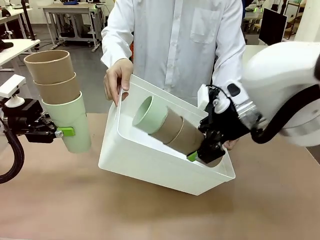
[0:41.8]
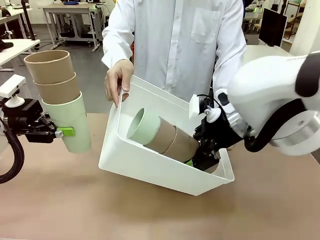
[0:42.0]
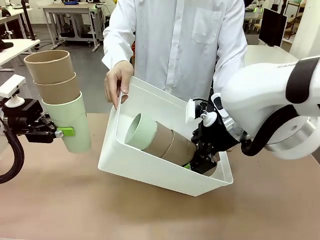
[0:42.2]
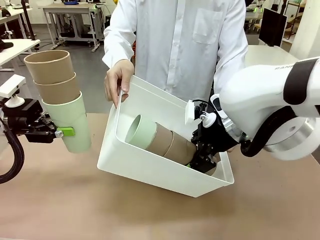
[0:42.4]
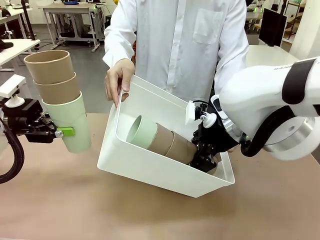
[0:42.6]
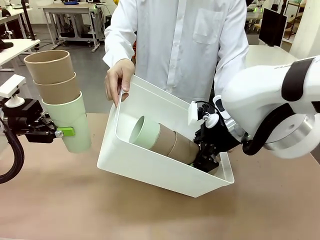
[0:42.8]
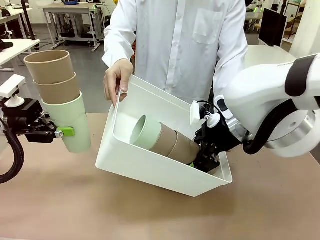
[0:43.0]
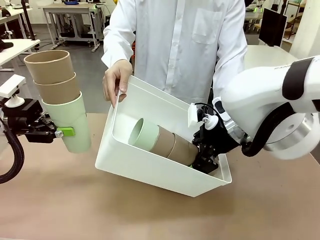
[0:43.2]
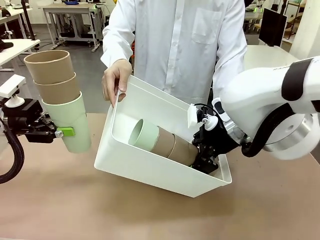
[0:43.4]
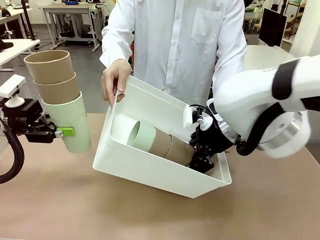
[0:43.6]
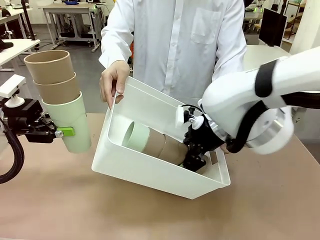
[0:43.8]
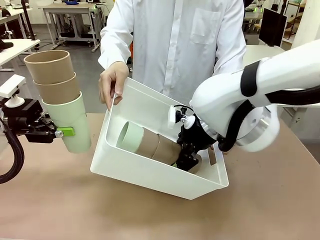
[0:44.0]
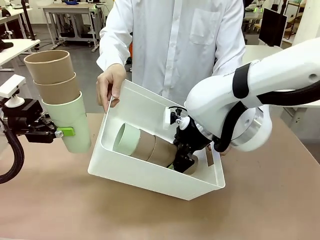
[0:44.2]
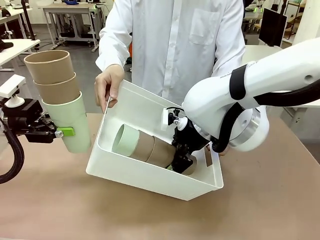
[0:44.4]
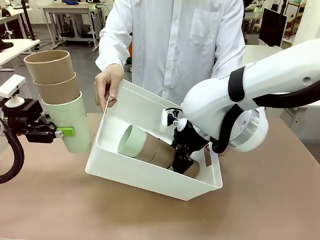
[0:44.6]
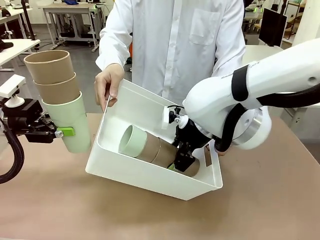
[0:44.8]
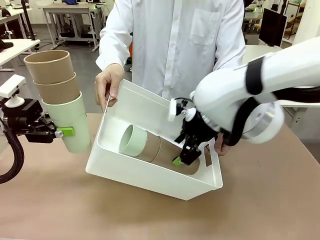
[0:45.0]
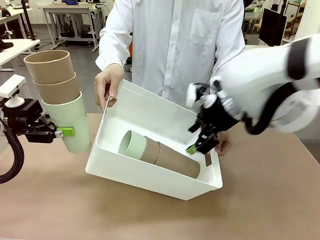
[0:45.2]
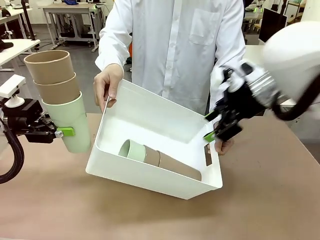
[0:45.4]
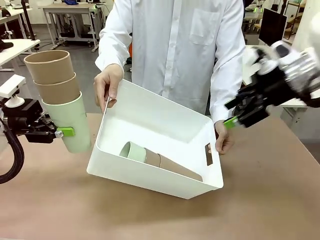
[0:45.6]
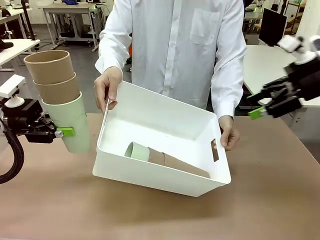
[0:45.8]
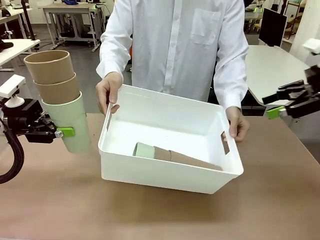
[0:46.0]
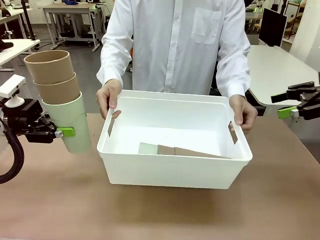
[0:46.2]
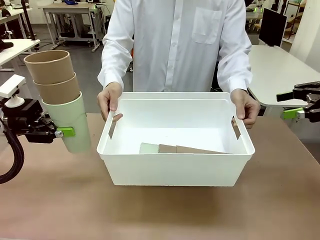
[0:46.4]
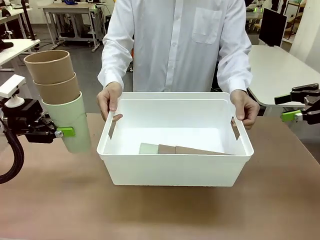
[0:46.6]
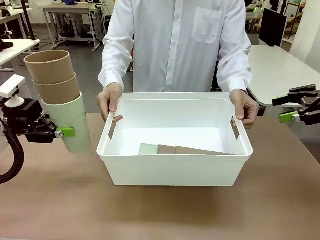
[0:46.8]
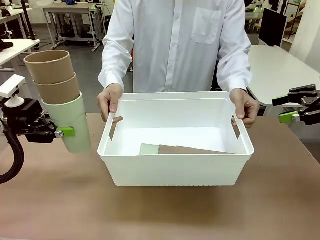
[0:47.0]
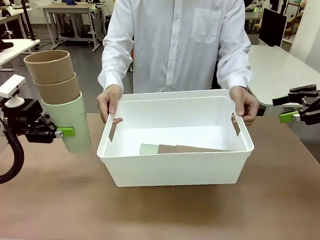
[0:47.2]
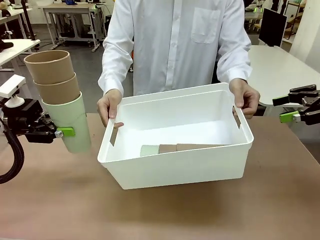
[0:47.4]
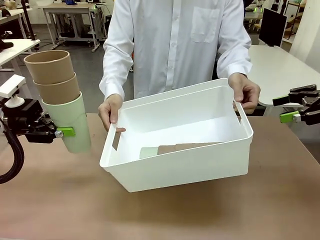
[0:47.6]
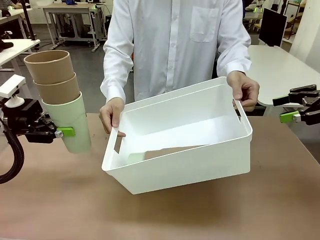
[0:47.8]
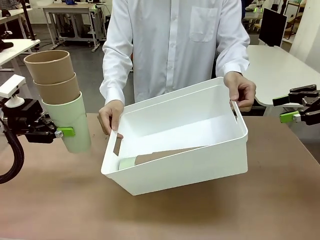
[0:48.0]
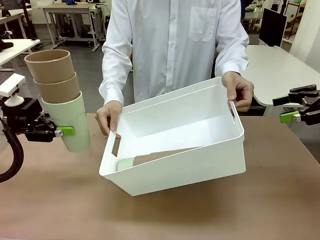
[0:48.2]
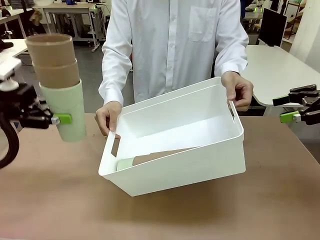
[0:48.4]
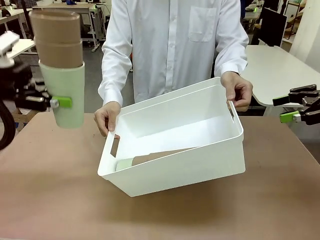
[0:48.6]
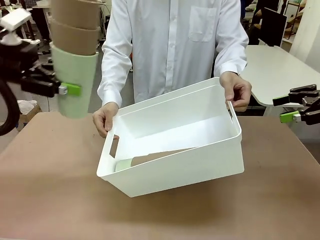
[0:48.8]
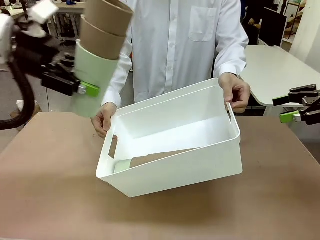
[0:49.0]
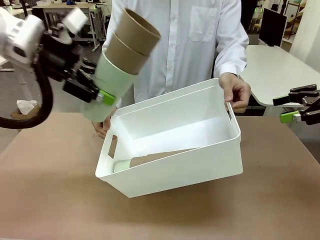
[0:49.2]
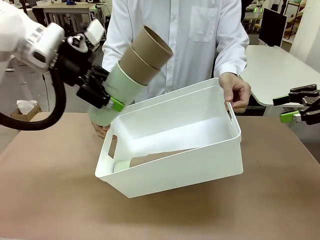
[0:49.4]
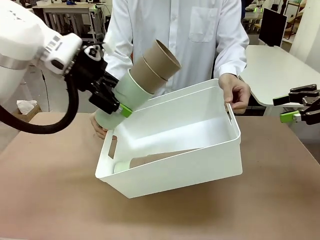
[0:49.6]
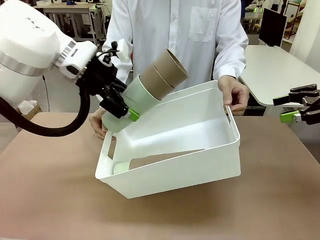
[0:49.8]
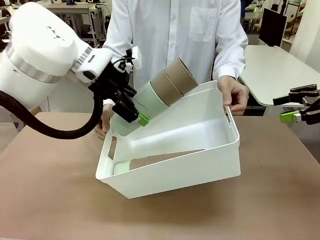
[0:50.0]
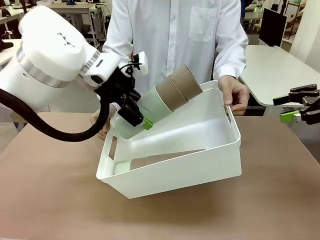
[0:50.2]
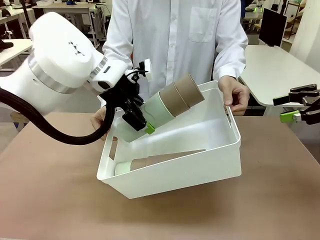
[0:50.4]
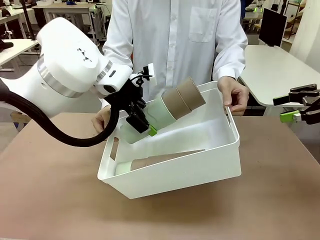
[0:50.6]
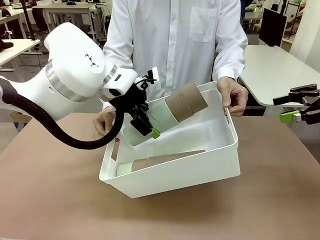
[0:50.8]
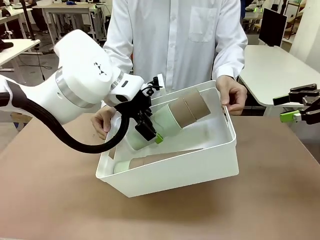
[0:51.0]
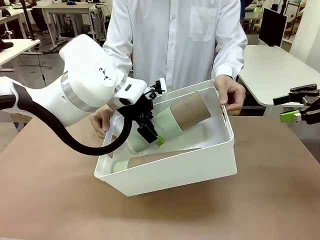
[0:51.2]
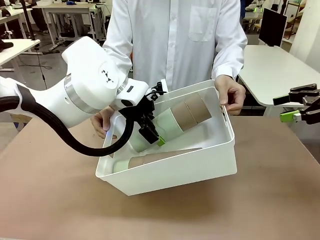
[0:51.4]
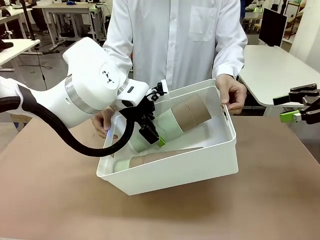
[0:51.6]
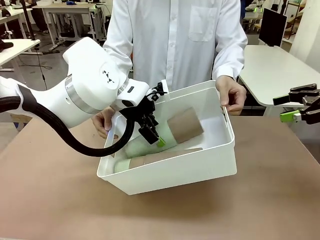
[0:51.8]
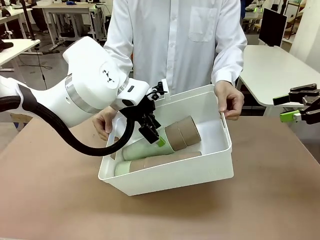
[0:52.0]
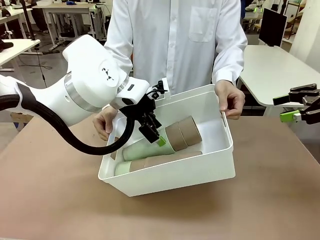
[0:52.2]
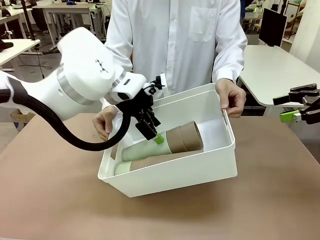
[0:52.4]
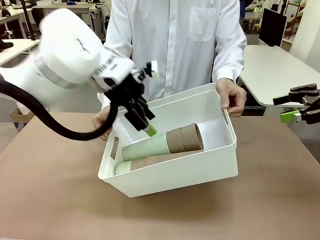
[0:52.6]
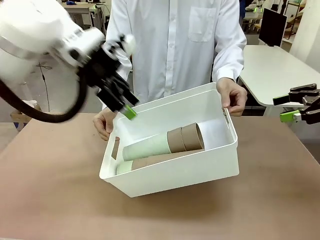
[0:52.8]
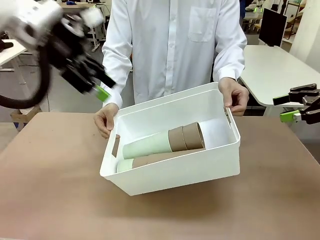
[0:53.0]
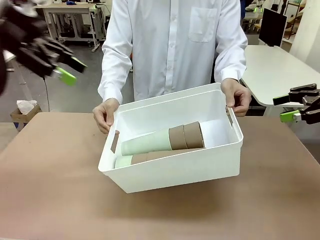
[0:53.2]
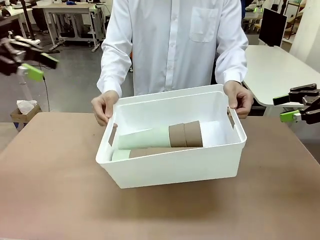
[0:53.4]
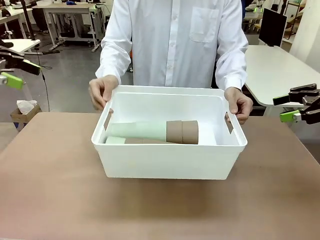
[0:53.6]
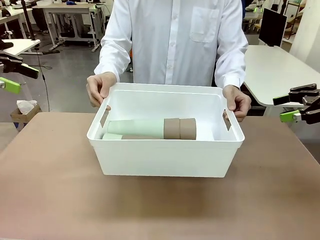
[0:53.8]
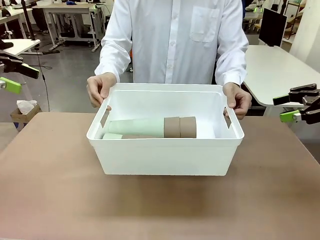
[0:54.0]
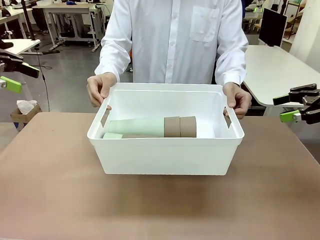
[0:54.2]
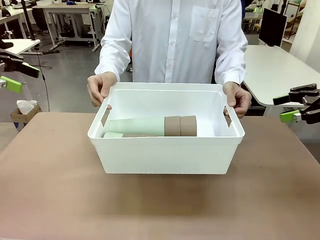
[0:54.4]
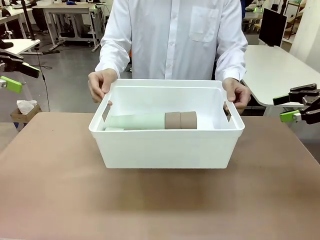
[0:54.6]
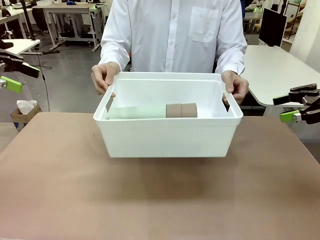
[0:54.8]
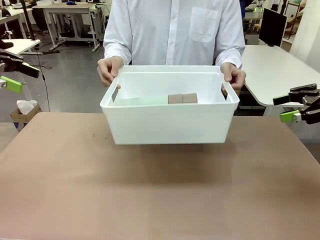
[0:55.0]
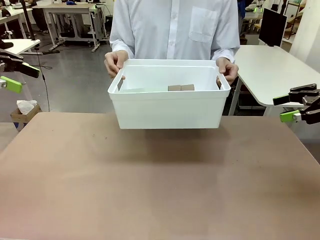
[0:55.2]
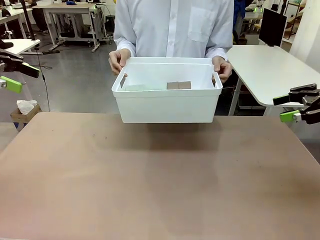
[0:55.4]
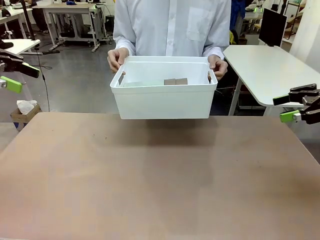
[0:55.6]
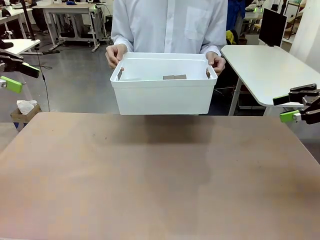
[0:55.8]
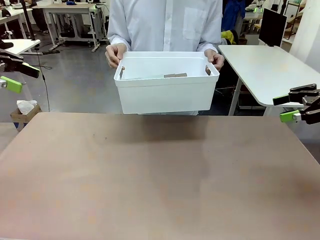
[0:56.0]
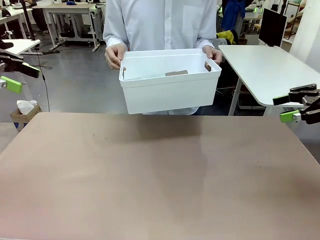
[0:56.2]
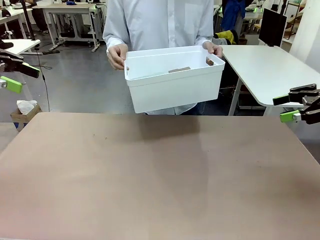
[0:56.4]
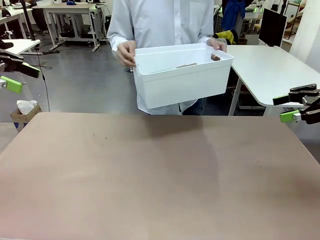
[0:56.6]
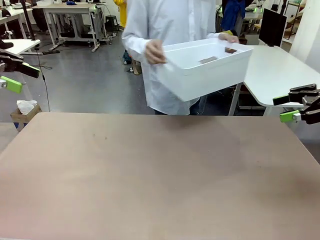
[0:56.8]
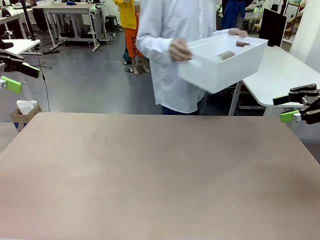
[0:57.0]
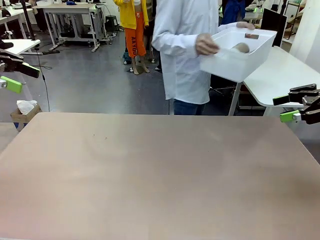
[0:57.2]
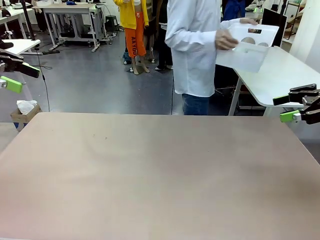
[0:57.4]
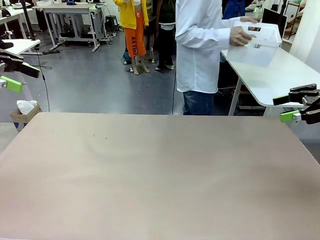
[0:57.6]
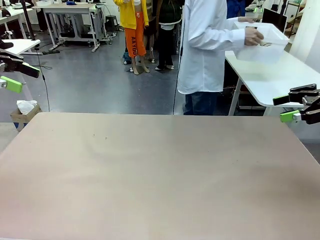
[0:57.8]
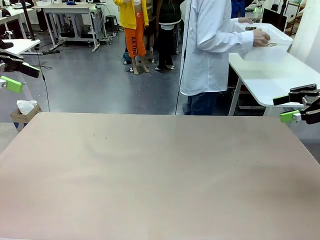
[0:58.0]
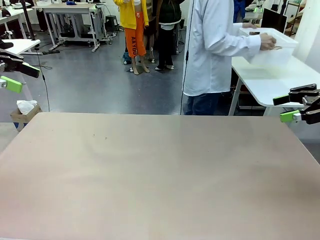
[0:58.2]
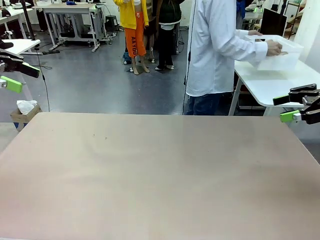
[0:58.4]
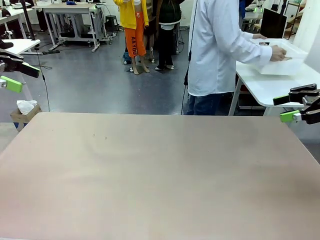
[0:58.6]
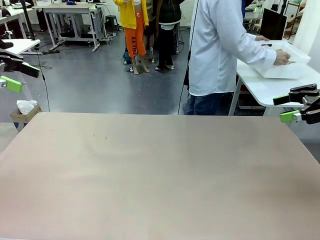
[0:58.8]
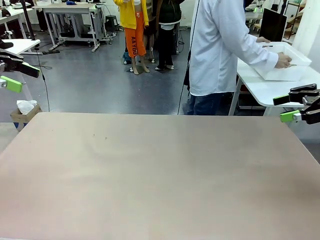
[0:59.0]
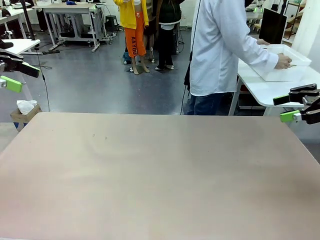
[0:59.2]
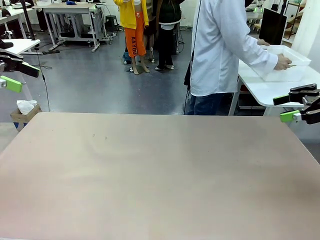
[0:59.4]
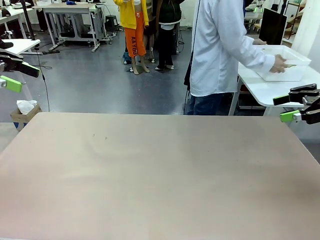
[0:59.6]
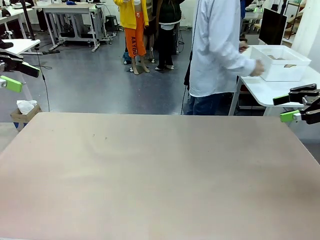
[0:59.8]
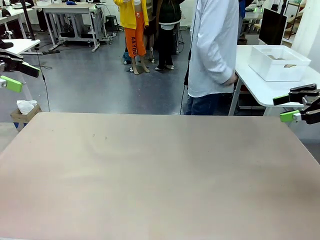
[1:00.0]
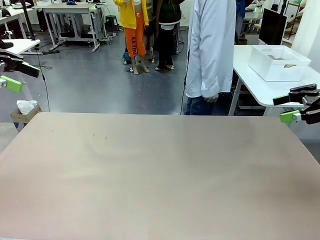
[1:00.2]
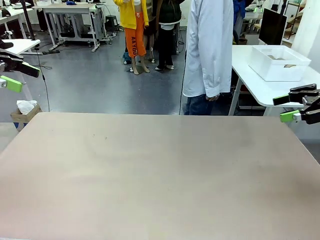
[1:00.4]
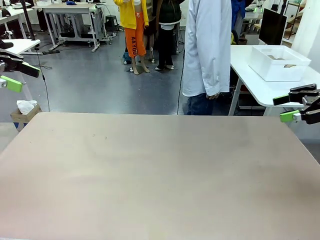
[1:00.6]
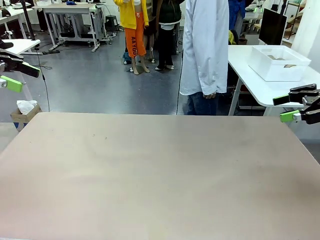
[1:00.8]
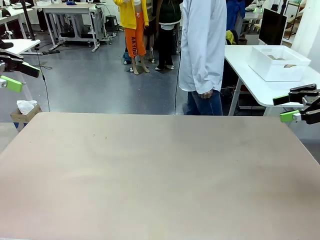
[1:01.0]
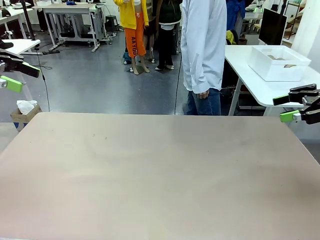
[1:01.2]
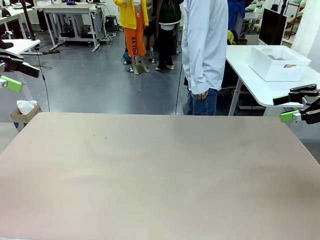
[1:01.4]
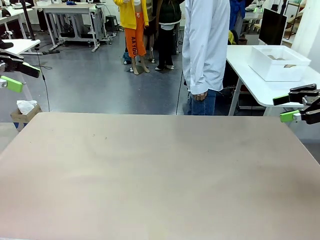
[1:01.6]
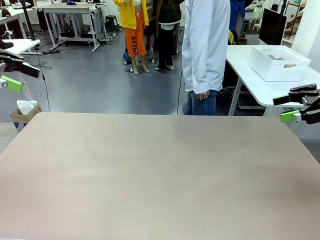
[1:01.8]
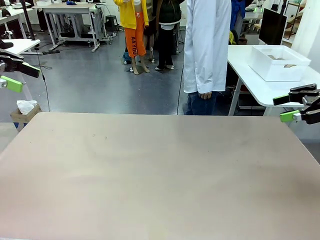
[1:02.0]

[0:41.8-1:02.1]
Task: Stack the cups and store them in the basket.
Robot: Place the stack of Reusable plastic cups into the Pantry Basket.
Person: Place the basket containing the cups in the middle of the Human Table.
